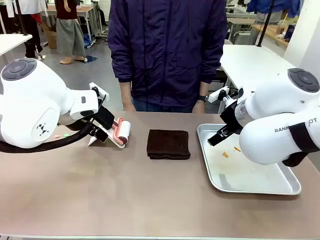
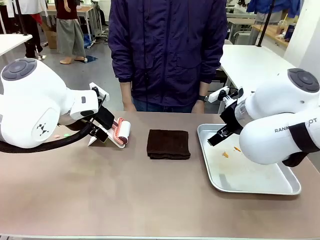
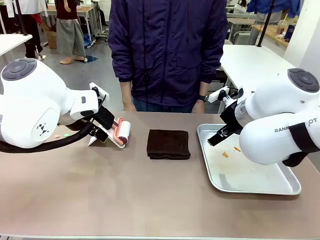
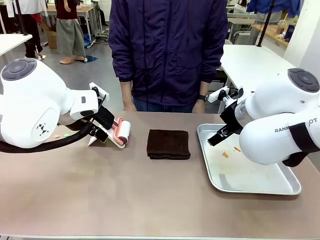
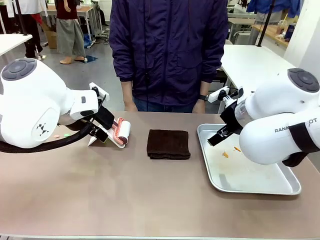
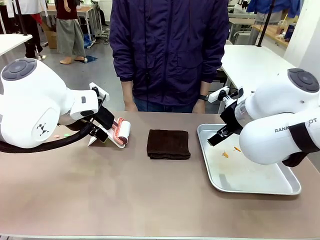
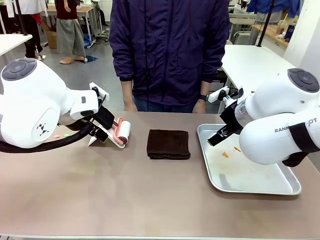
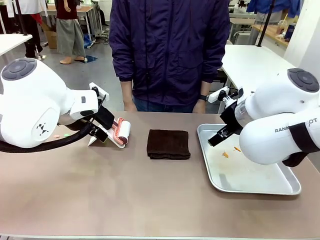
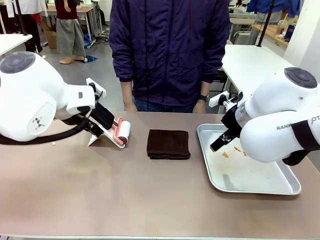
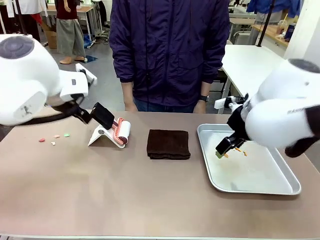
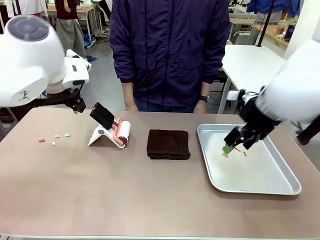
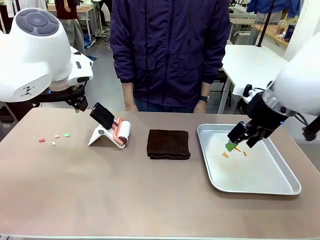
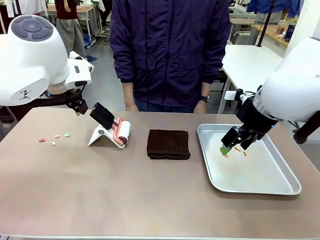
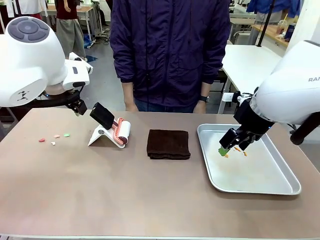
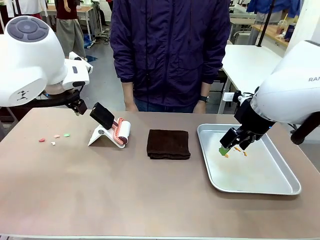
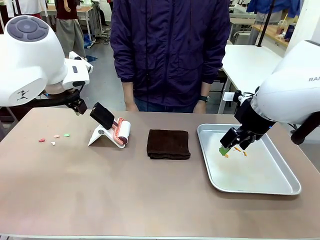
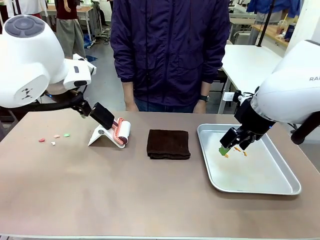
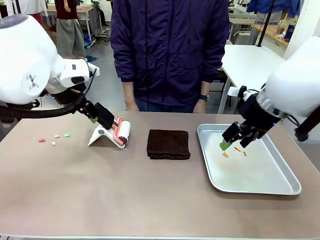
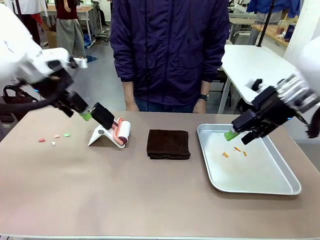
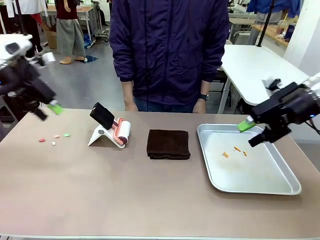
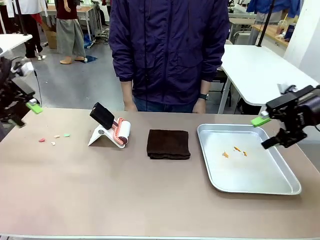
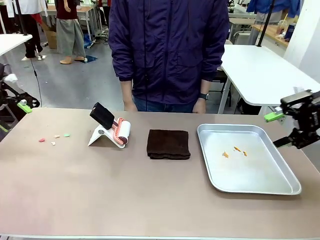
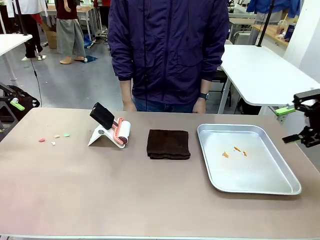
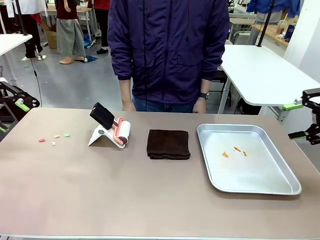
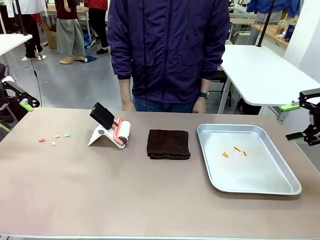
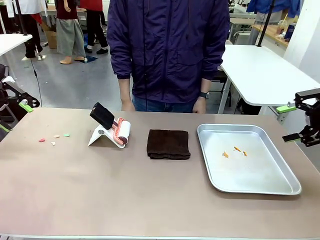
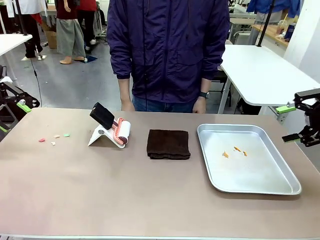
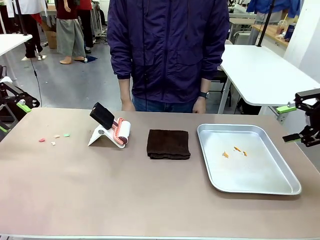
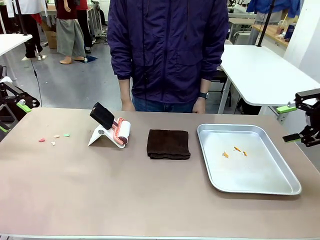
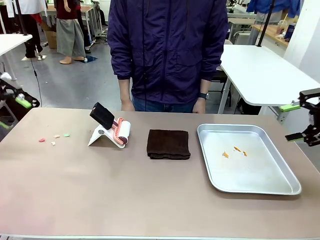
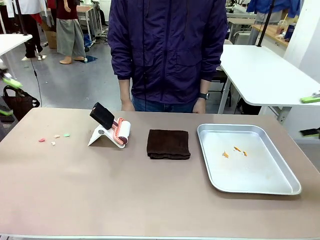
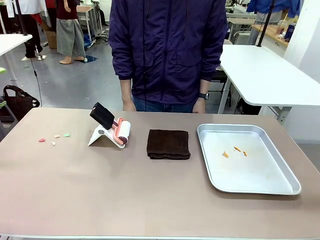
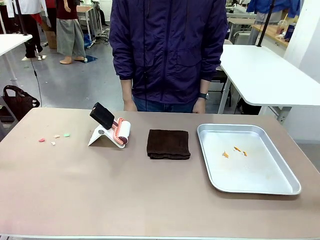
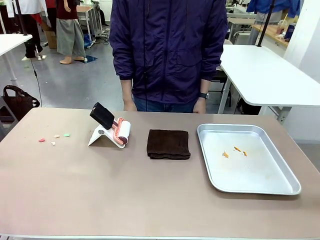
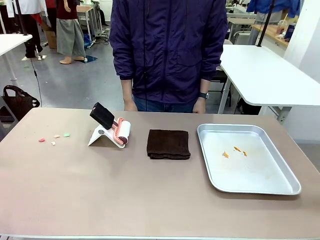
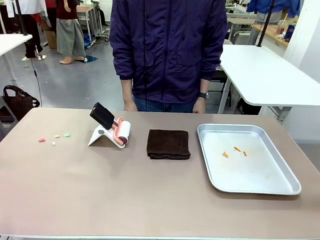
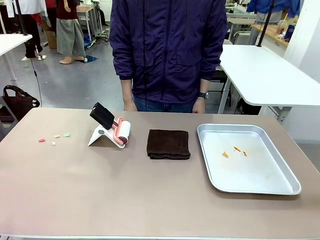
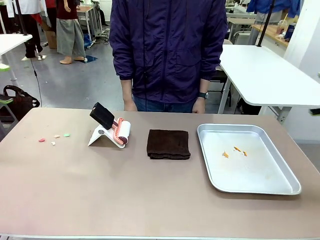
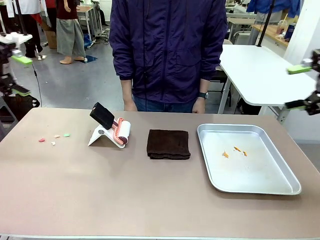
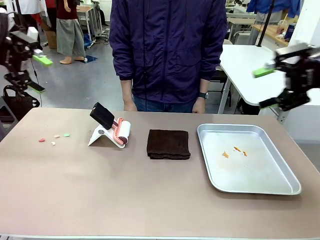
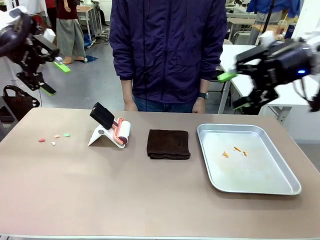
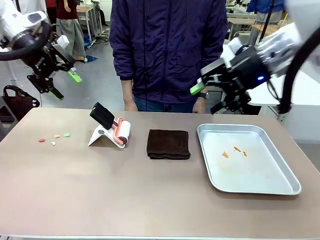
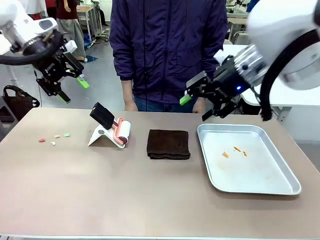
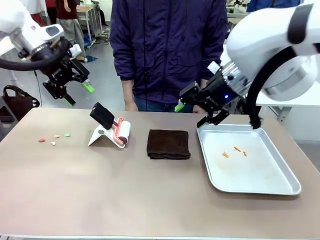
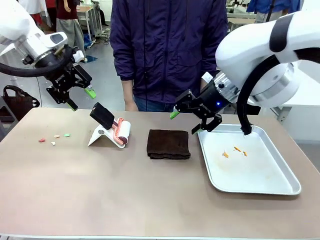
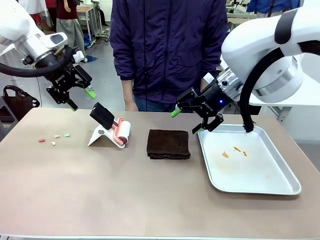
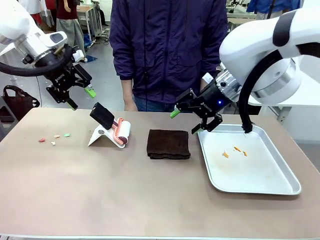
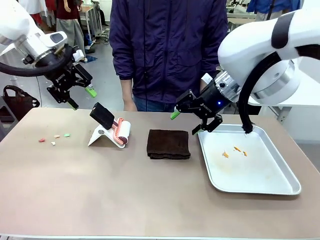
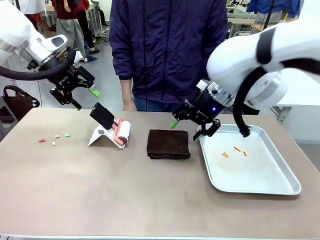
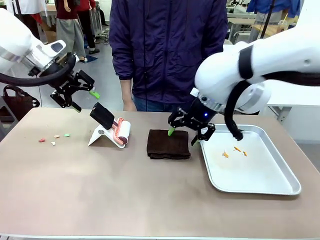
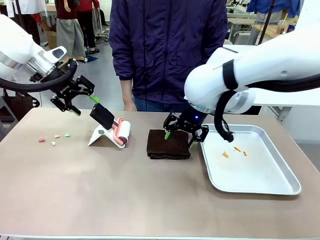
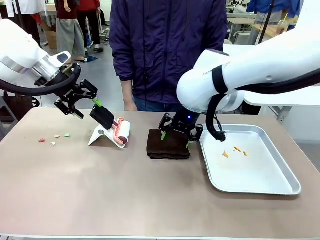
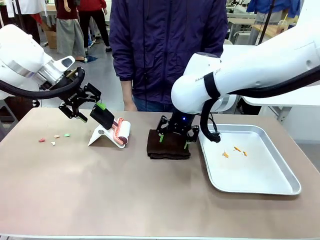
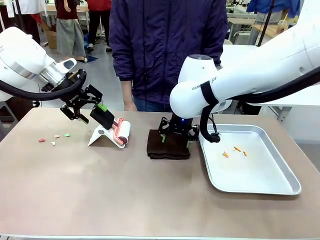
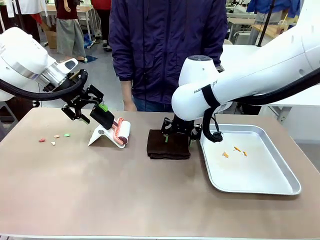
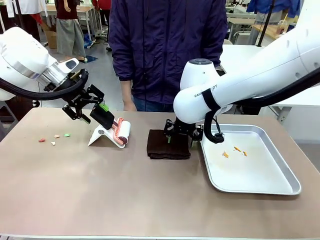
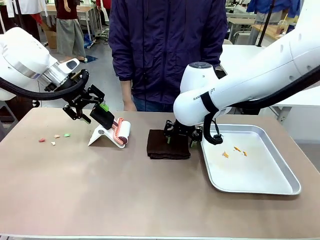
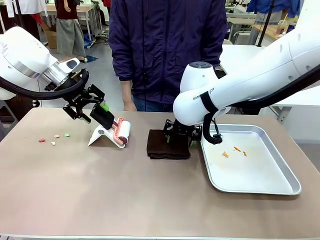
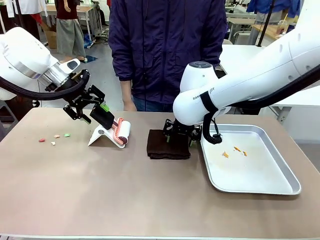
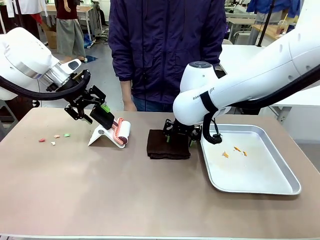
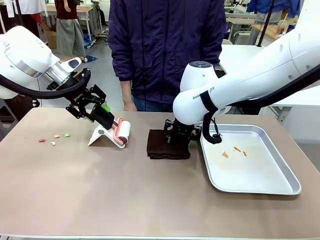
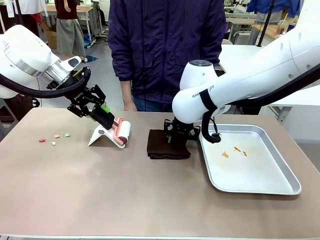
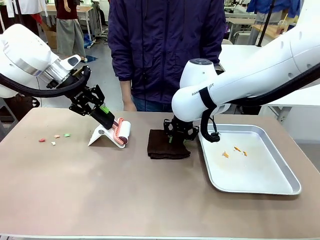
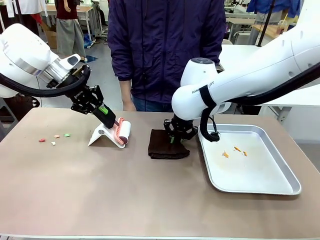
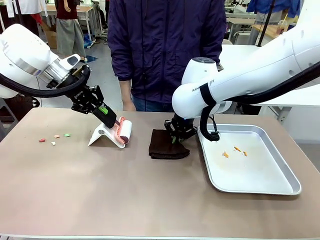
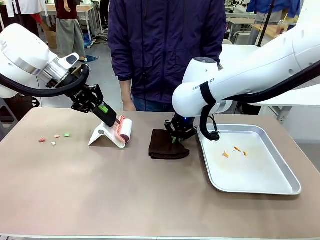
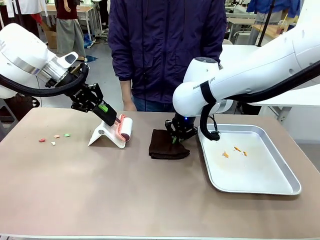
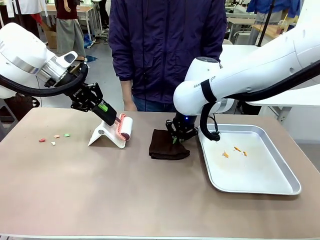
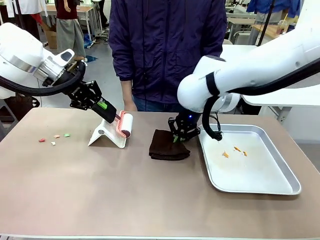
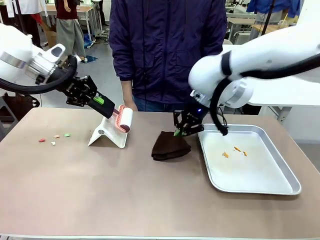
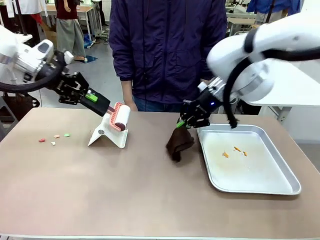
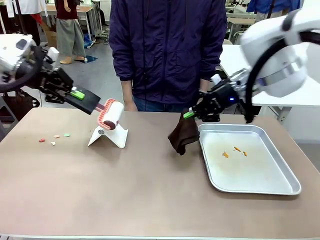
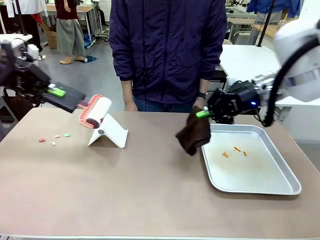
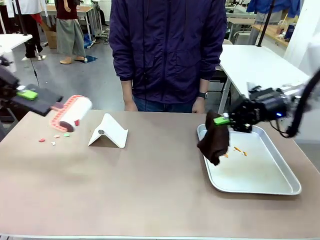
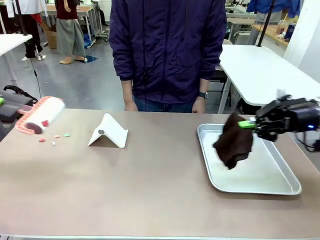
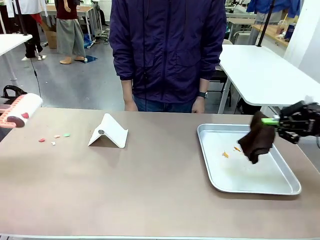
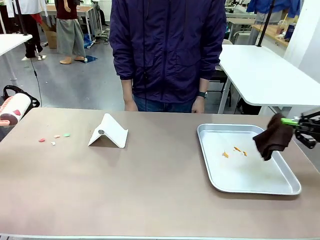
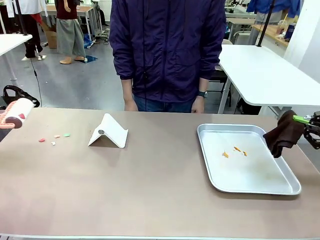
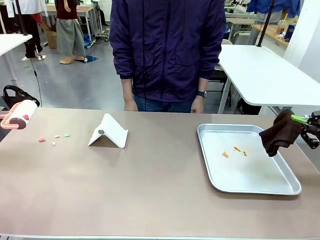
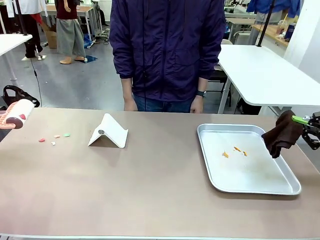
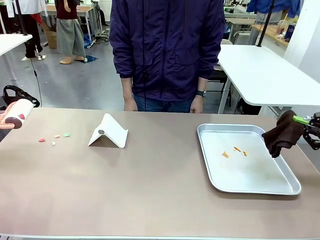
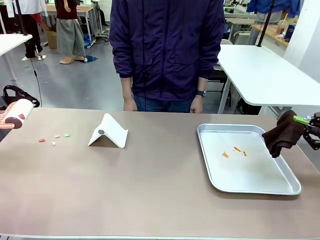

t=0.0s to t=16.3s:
Task: Clean the surface of the table.
Robot: Hold the Lint Roller with your left hand and the towel with your right hand.

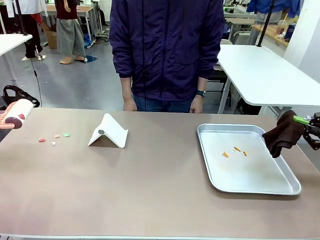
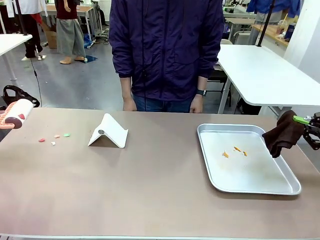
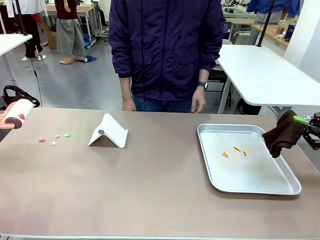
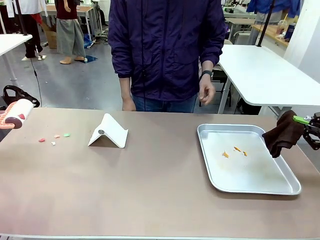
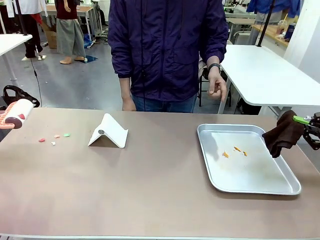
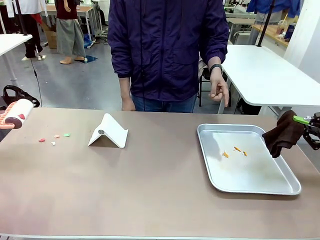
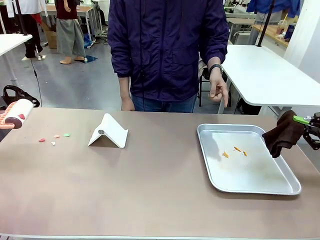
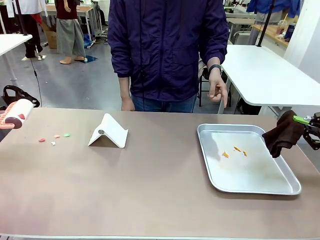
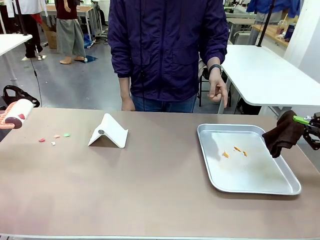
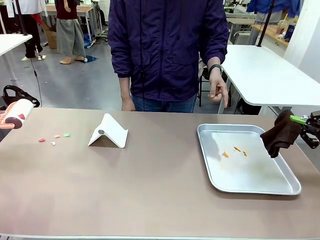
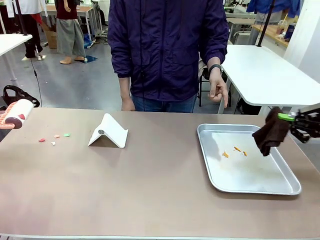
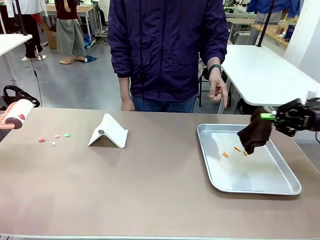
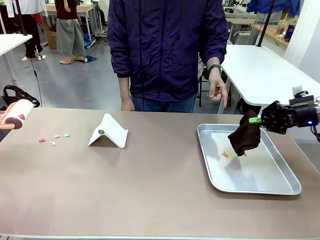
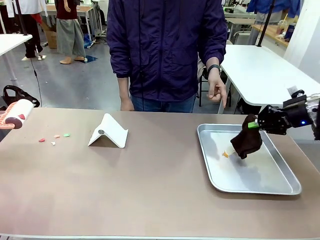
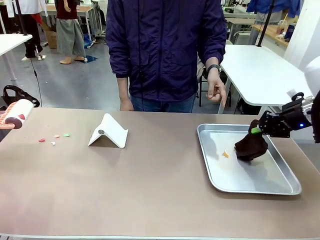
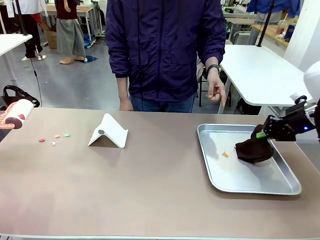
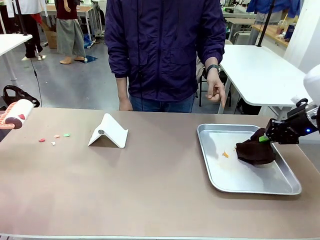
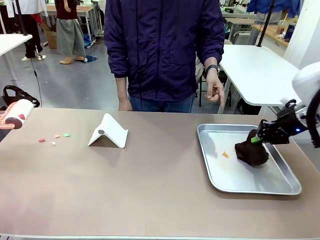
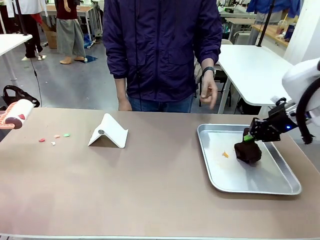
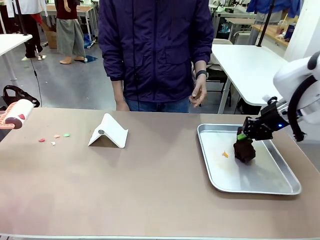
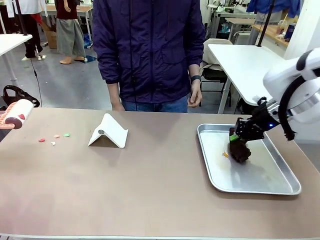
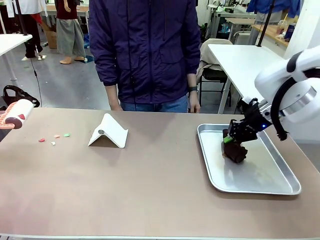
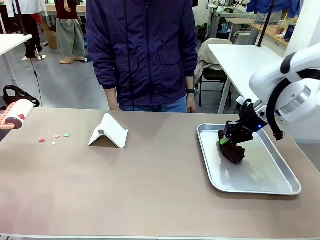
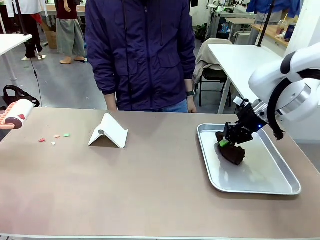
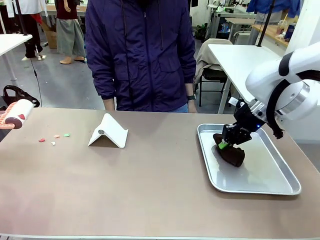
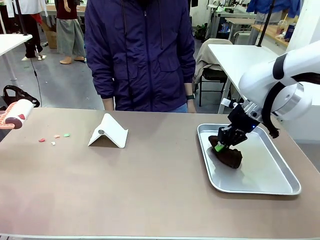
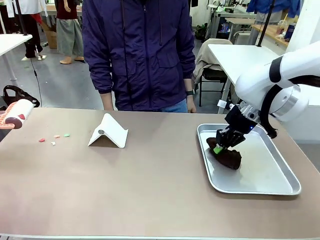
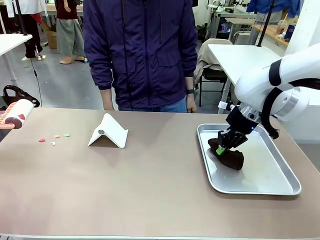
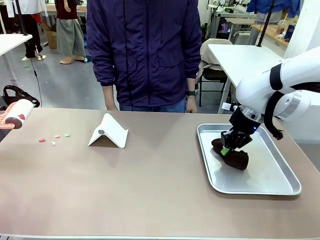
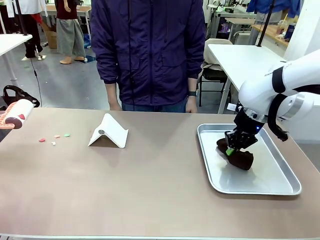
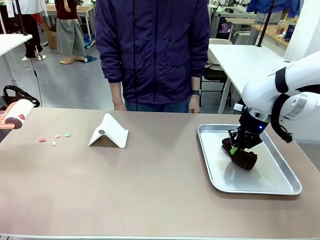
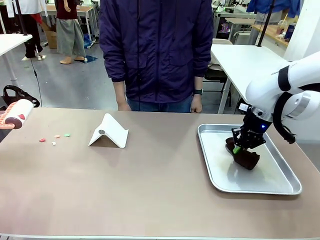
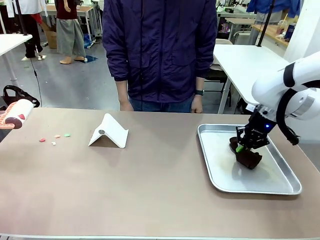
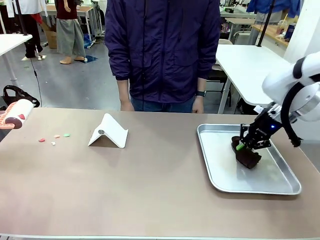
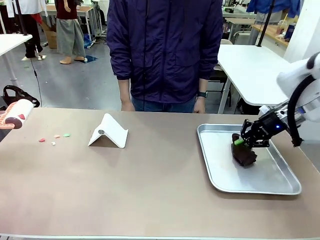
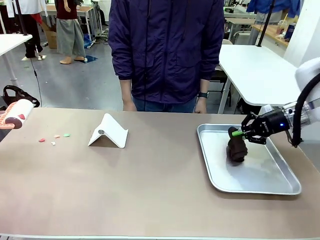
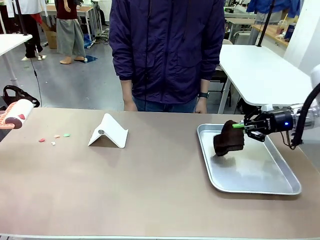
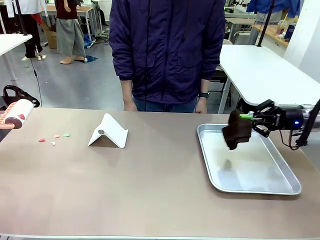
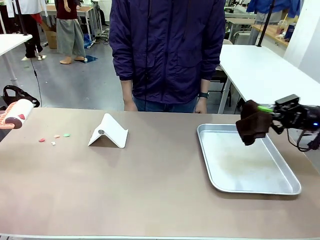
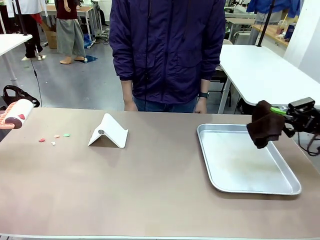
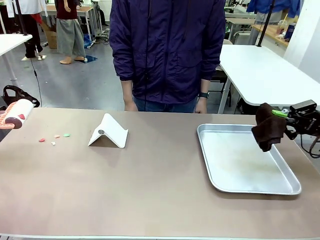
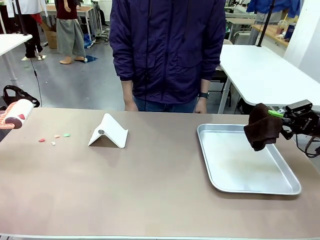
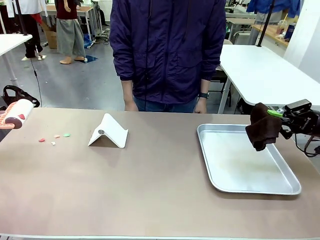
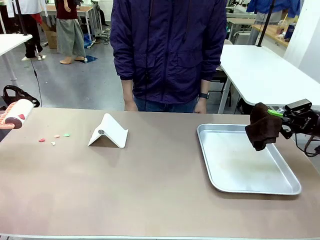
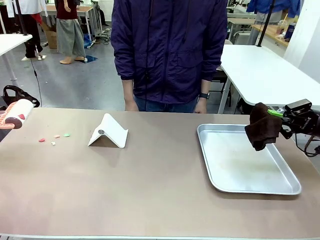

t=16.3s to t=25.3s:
Robot: If a person points to the right, clean the right side of the table with your right hand, and if they point to the left, clean the left side with your left hand.
